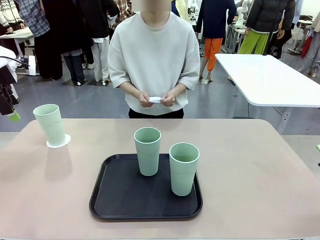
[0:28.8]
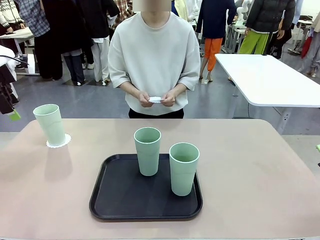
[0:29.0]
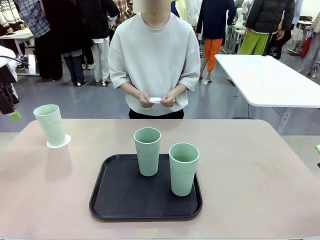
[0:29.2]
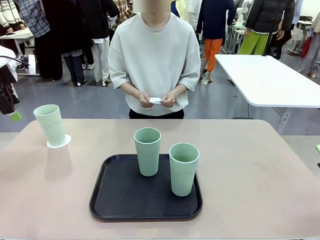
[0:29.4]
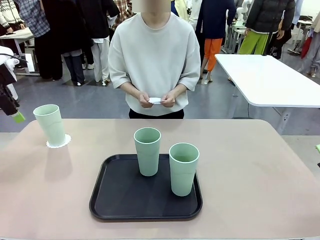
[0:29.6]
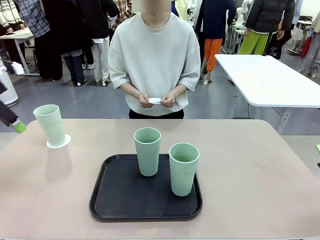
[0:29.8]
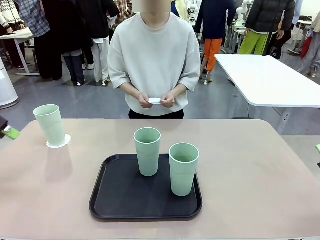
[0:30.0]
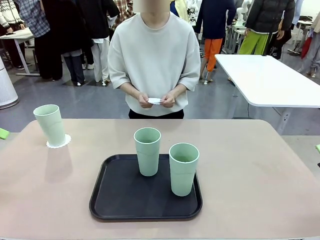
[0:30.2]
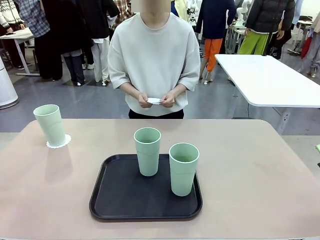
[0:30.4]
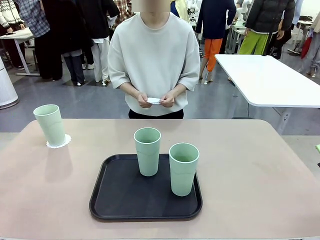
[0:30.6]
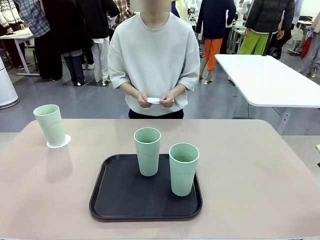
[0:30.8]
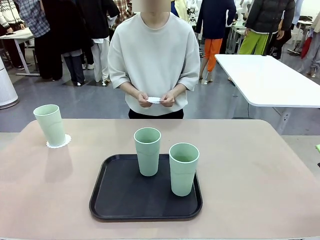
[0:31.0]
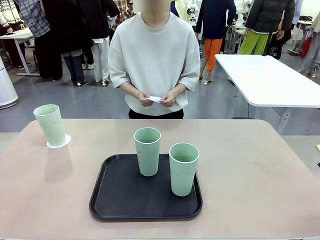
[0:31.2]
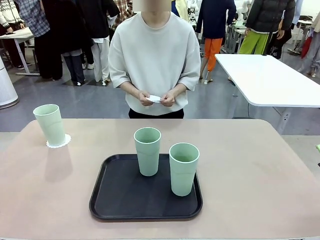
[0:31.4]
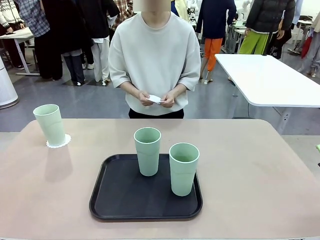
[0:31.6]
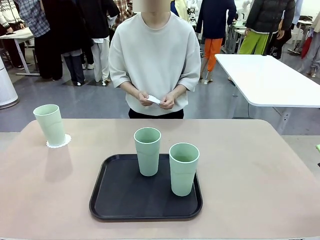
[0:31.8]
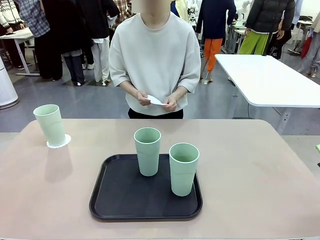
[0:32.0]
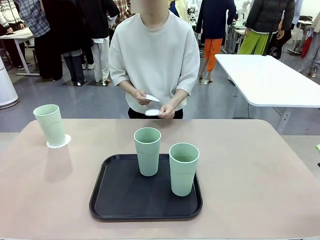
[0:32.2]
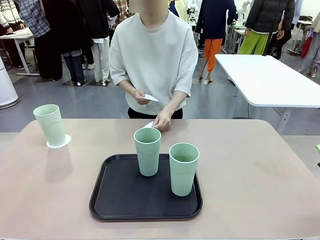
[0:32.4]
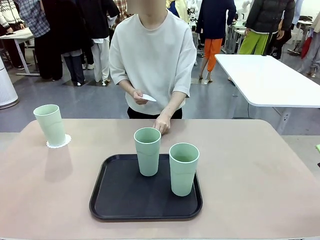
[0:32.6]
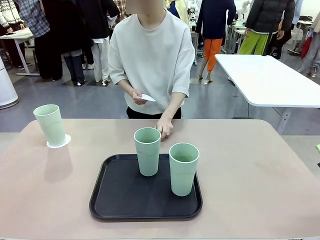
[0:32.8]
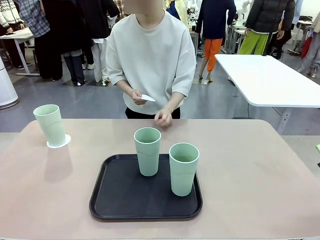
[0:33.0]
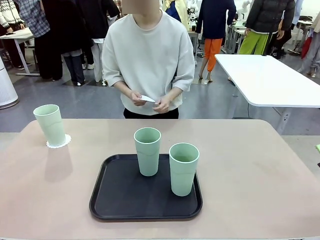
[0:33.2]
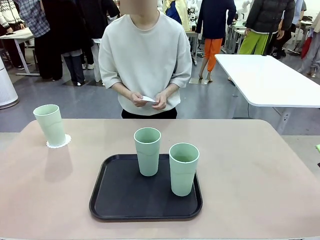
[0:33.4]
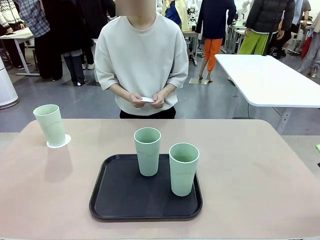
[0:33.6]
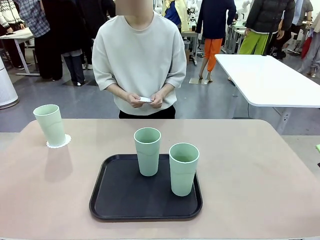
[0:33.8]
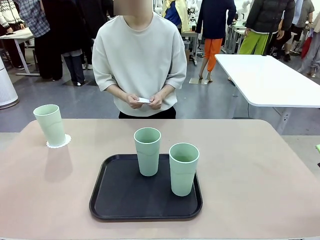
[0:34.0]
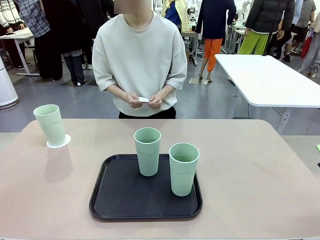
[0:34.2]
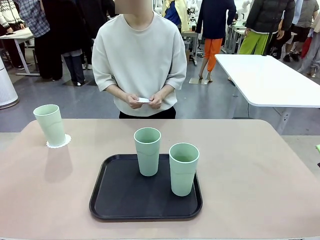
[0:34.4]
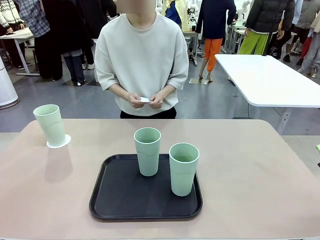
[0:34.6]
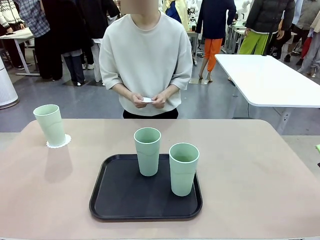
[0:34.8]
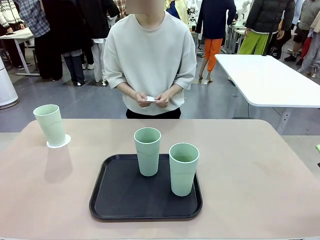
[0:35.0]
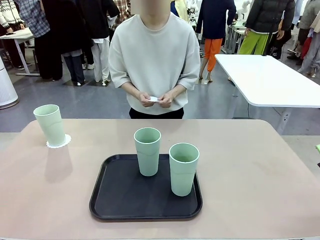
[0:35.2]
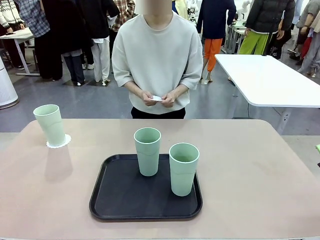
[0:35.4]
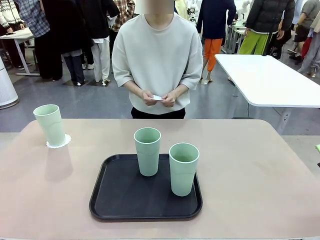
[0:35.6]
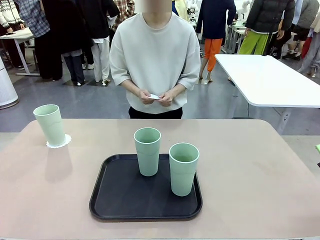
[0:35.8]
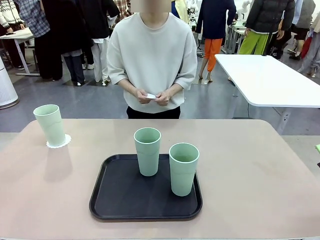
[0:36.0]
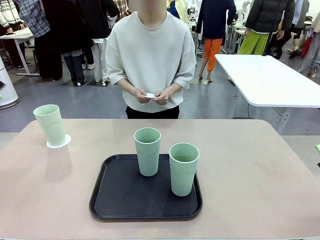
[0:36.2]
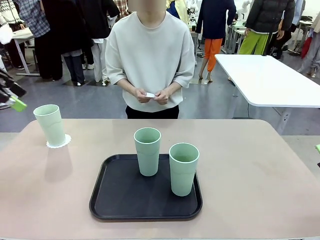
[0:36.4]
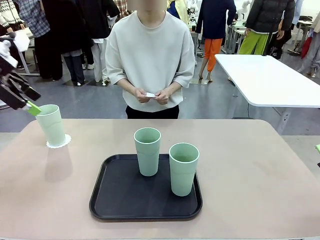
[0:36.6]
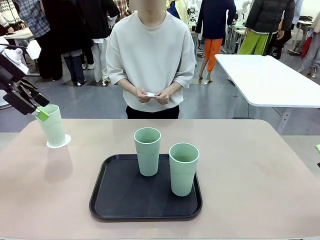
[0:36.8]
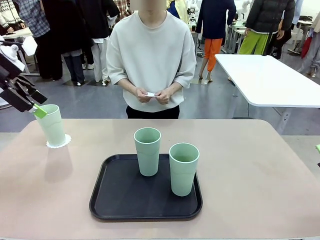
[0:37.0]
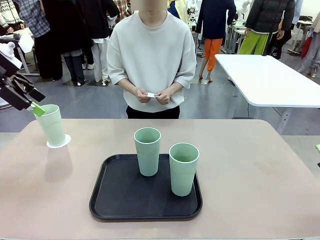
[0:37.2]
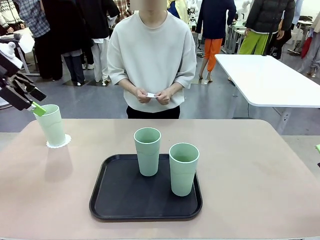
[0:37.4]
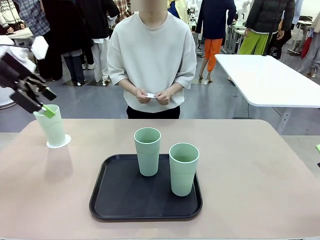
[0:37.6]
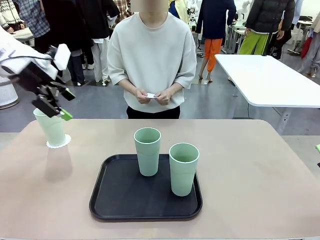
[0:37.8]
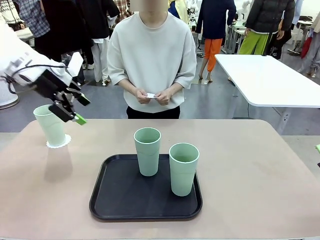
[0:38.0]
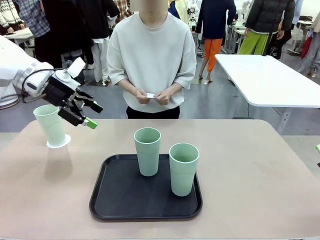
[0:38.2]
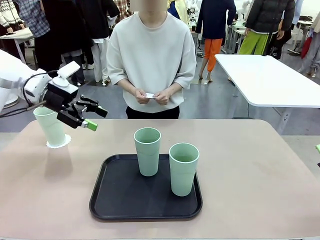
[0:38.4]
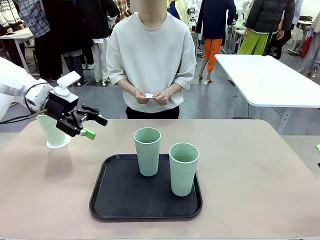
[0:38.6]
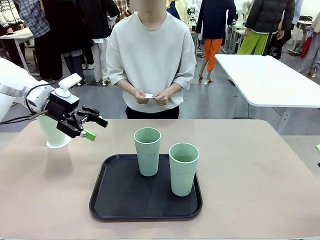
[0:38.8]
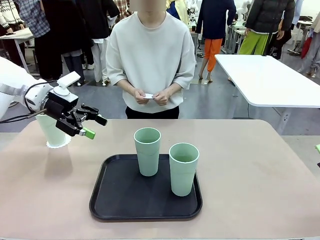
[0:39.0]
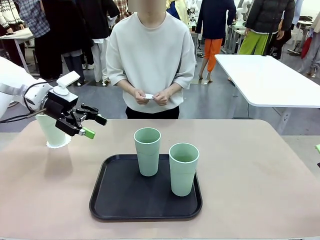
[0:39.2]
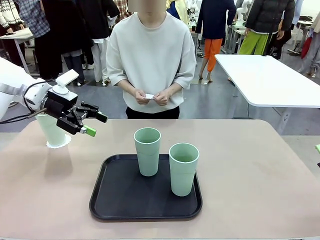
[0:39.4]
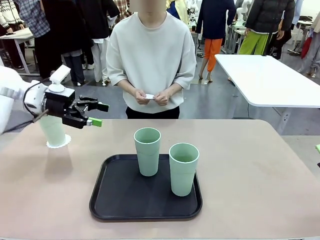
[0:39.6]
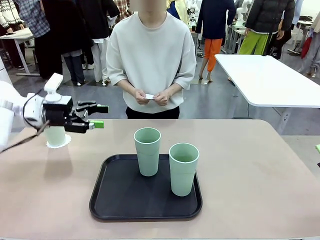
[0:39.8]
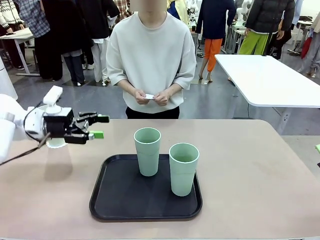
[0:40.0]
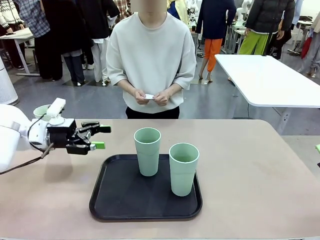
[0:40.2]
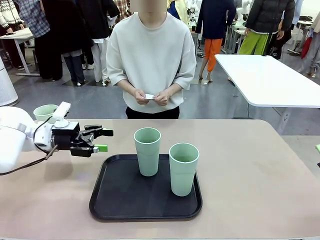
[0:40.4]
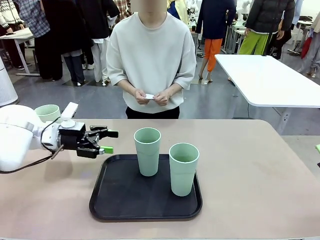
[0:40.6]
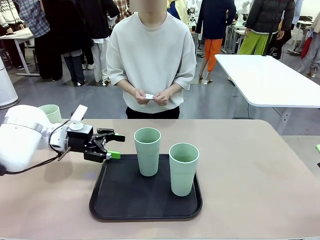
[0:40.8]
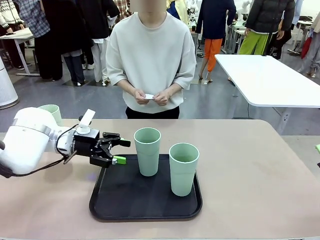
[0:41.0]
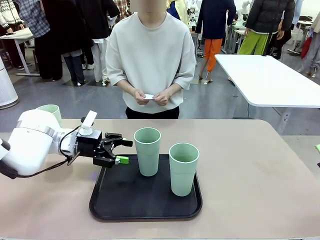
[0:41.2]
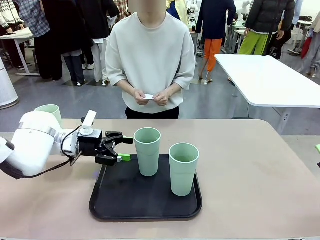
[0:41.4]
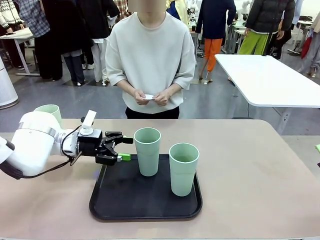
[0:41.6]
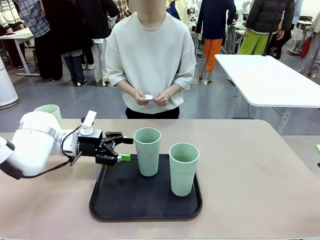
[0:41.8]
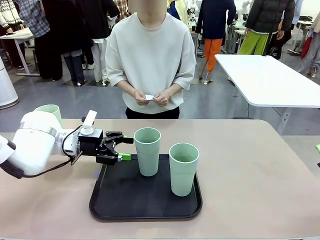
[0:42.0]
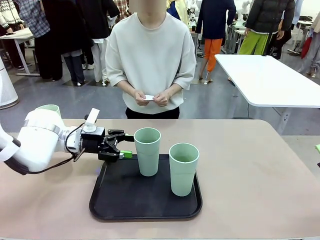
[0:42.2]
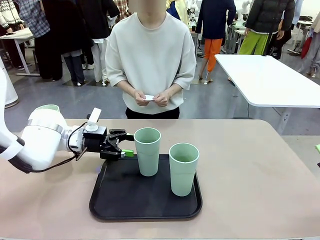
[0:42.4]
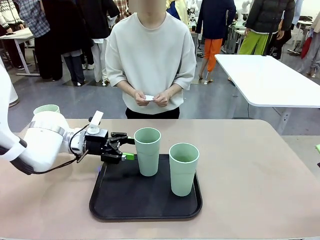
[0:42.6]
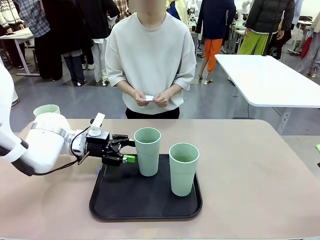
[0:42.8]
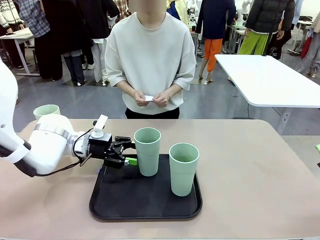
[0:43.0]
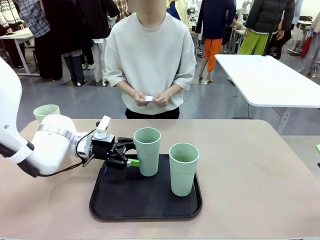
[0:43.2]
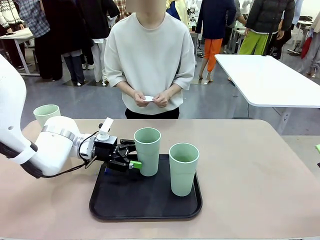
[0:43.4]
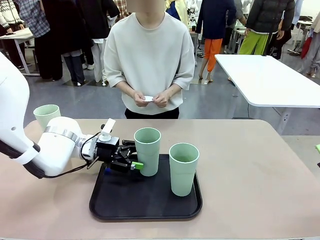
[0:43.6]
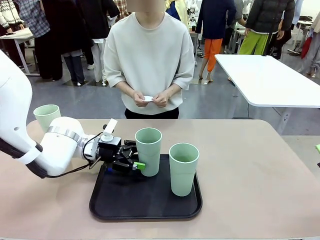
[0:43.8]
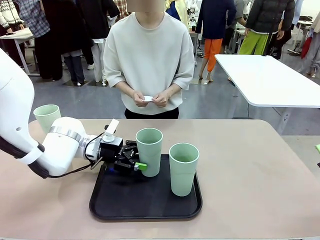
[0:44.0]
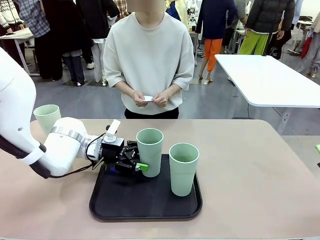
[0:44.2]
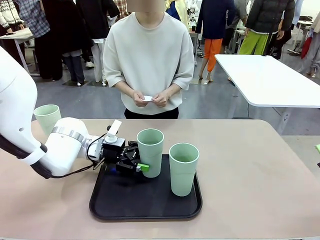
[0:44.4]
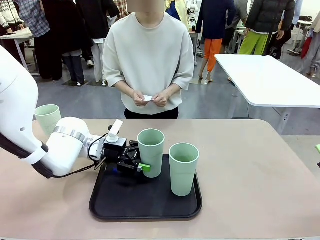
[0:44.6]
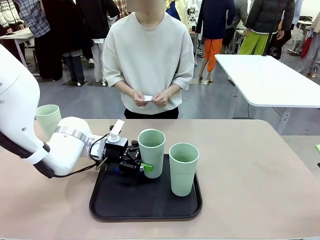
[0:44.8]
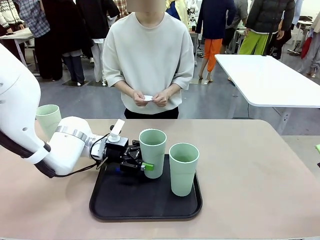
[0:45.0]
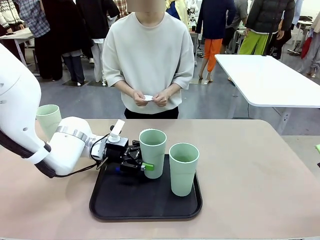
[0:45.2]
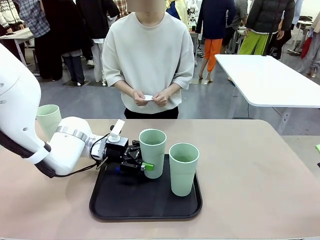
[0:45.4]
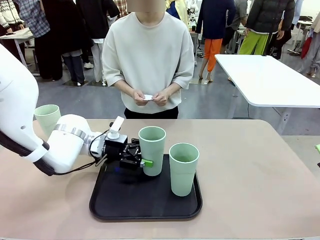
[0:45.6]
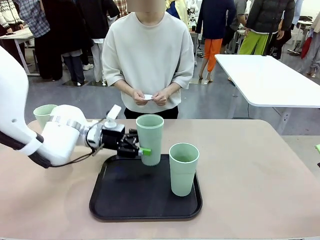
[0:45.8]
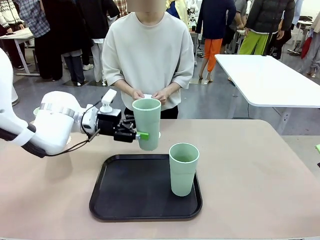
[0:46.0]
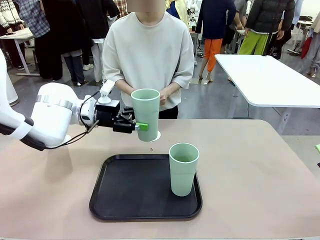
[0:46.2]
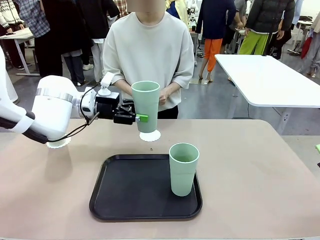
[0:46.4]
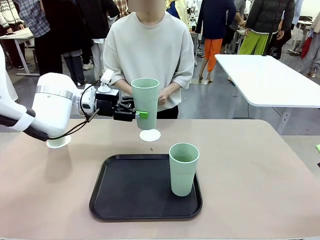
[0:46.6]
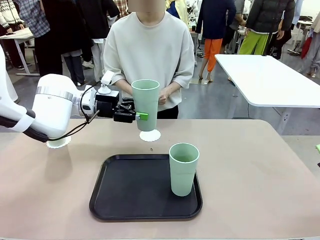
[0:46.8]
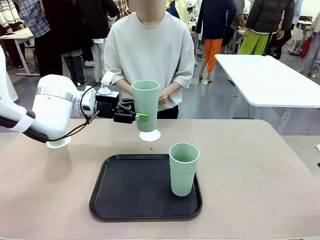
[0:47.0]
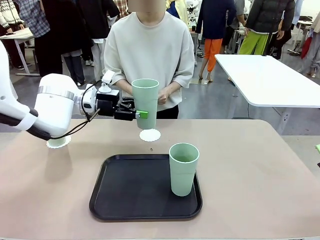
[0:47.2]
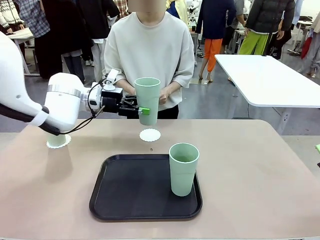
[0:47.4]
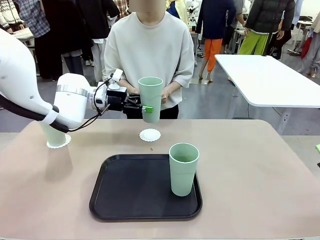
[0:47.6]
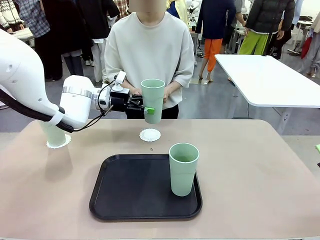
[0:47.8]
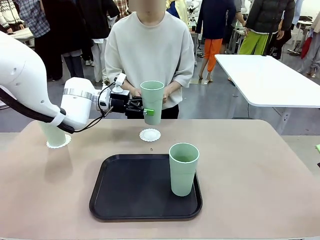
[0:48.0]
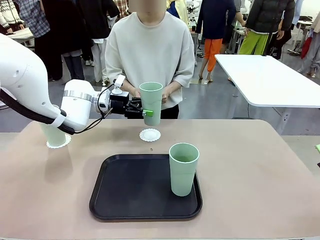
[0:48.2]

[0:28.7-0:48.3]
Task: Place coasters on the table and set cups on them.
Robot: Take one Reusable plastic cup from the Flat Tray and place it on a coaster set by the human.
